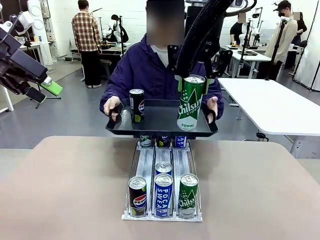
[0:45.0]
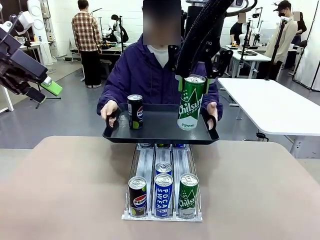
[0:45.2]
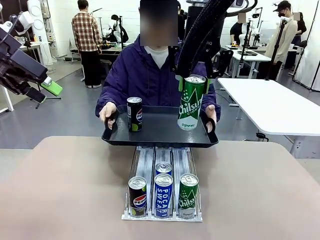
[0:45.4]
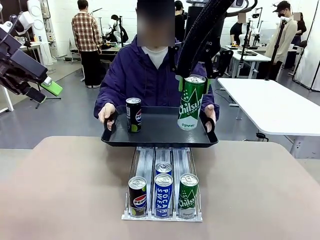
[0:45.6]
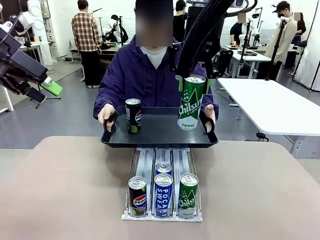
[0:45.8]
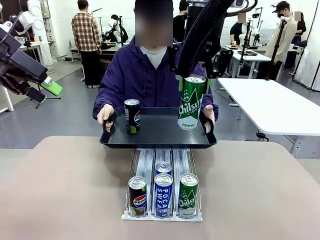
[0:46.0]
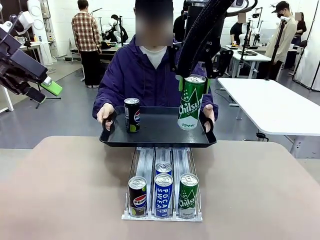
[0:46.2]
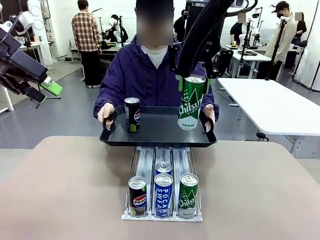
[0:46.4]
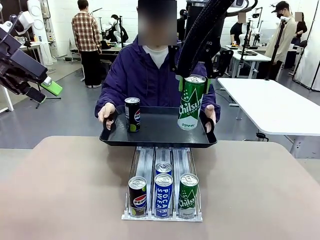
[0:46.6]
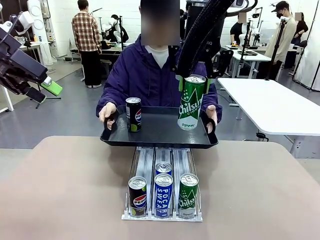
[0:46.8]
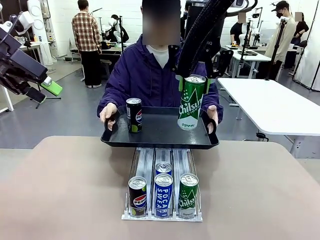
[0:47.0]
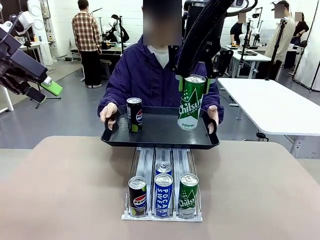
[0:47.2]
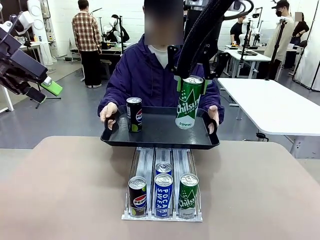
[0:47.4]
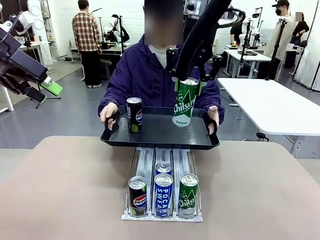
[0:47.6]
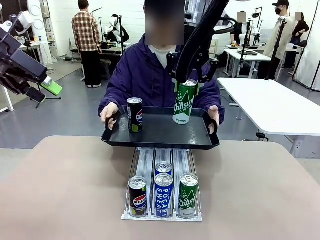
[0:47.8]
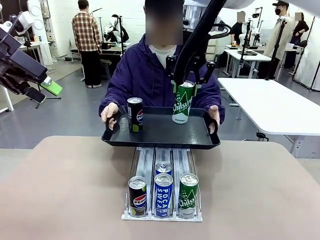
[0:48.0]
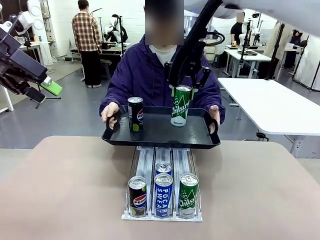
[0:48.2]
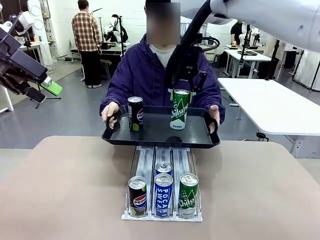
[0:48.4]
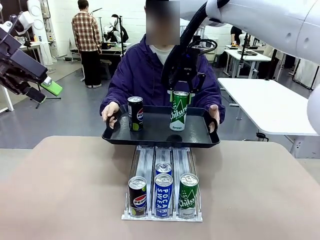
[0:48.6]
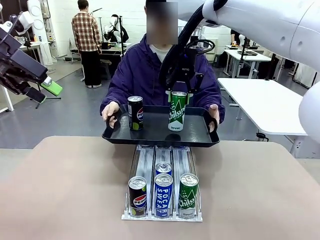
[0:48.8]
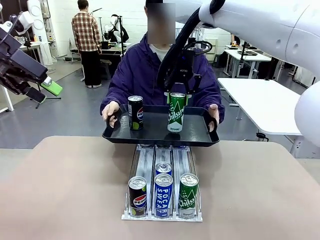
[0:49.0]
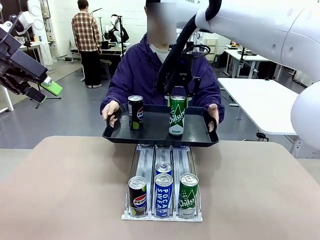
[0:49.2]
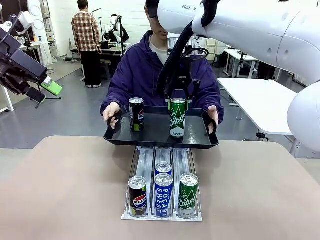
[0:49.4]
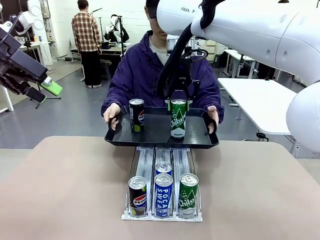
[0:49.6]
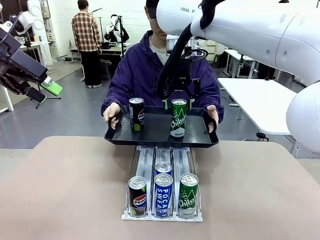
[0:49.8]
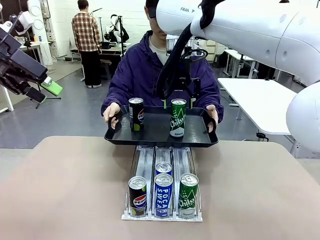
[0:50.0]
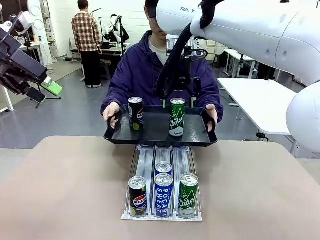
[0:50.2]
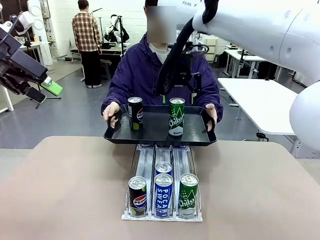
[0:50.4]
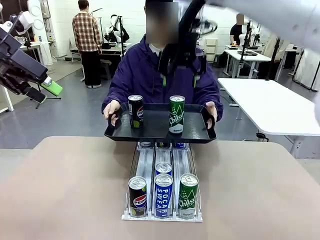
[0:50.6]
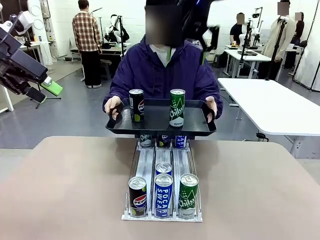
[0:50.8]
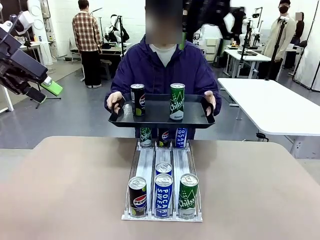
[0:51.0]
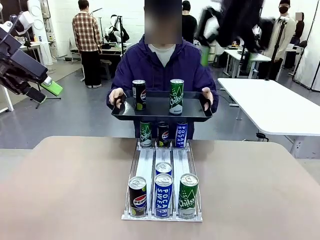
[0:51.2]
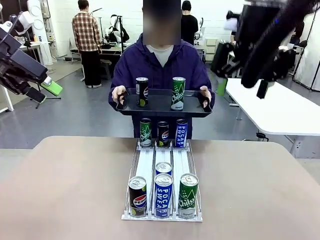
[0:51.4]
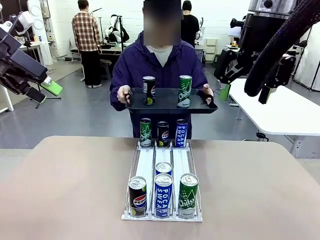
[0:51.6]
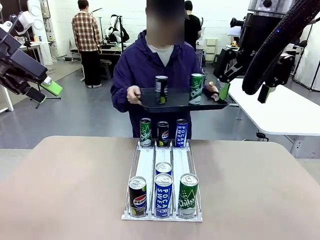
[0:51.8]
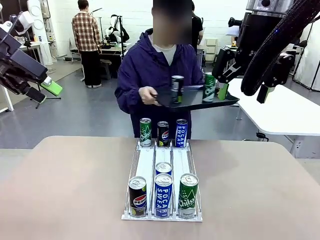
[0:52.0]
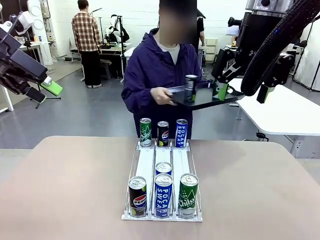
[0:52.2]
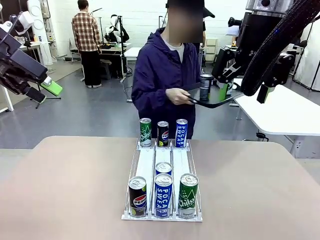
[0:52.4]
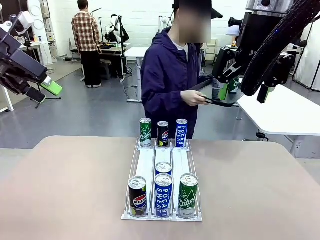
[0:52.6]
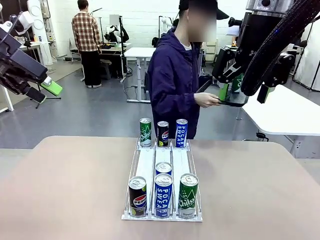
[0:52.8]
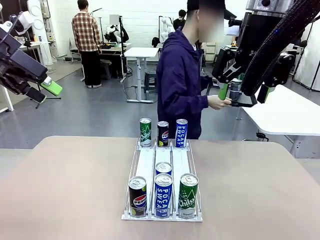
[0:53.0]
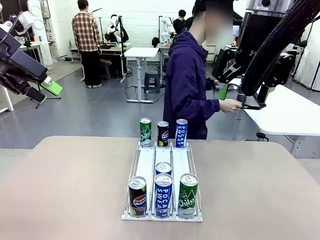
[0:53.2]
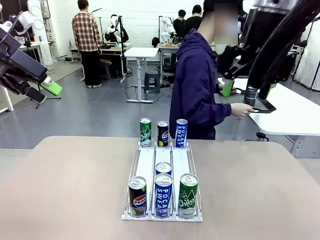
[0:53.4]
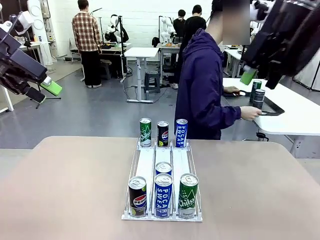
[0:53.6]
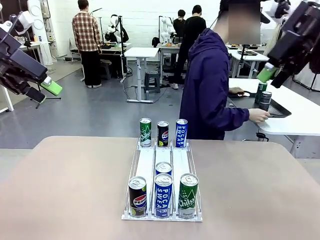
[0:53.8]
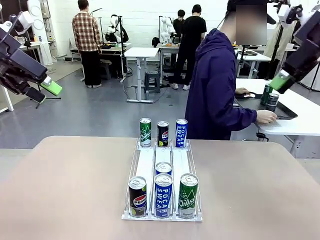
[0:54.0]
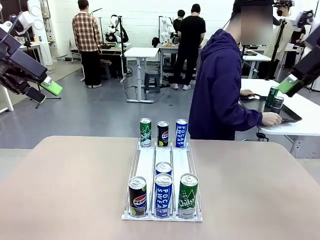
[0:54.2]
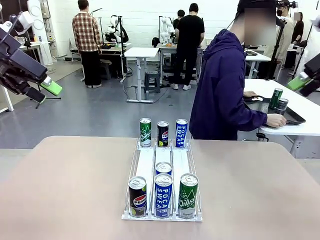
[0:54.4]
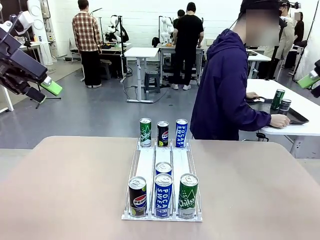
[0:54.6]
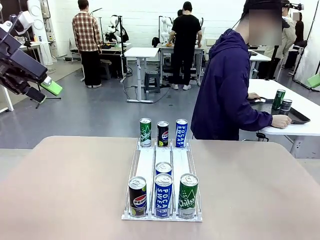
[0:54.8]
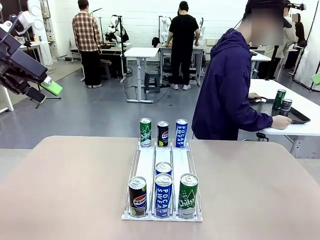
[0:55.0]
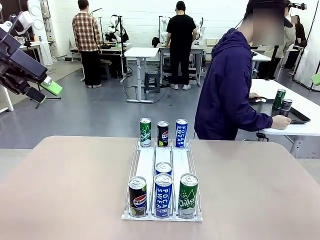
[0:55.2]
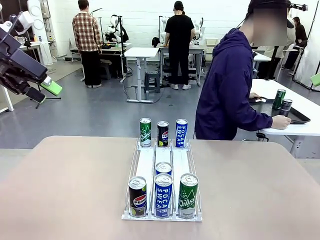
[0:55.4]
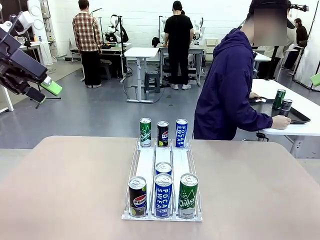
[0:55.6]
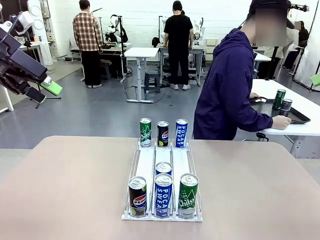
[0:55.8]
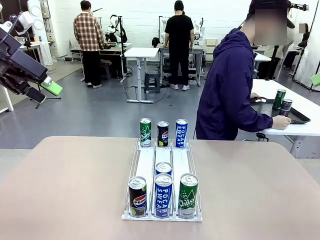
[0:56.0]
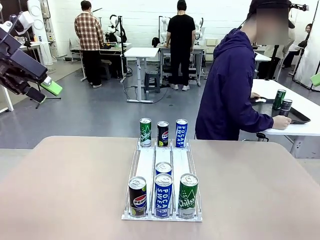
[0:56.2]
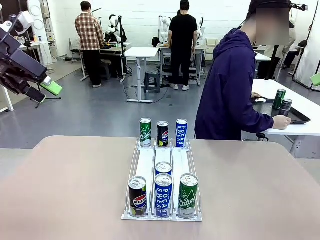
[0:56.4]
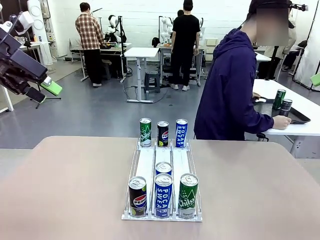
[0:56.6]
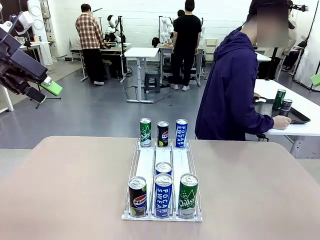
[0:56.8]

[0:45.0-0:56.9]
Task: Retrieve and hand over the desired beverage to the person.
Robot: Place the picked can on the Handle tray extended by the person.
Person: Pull the tray back and place it at the center of the human table.
